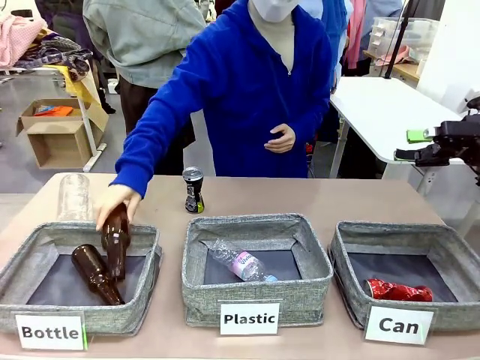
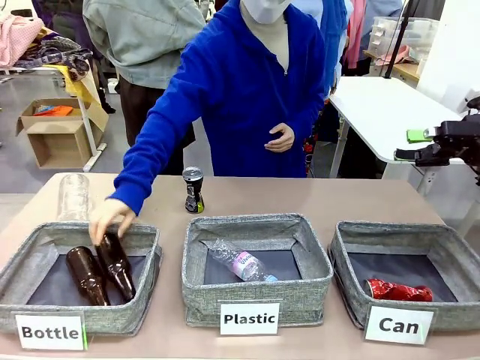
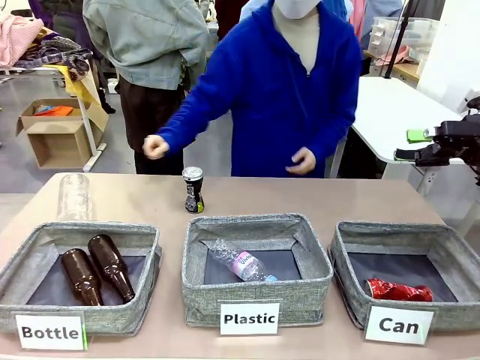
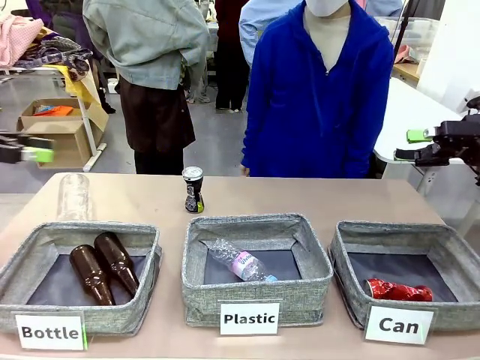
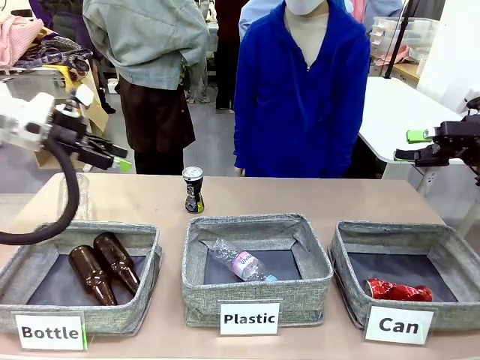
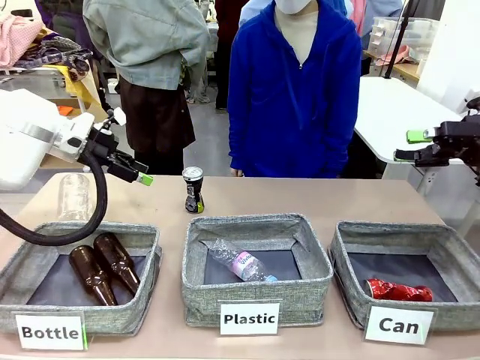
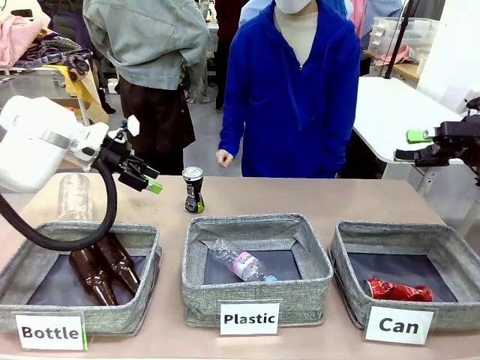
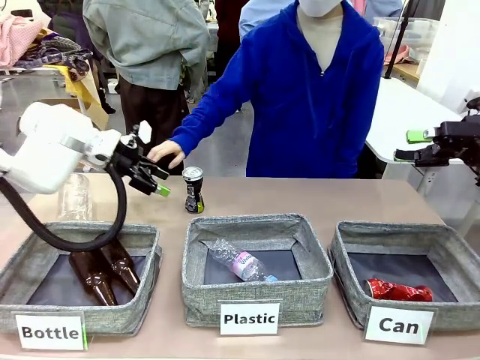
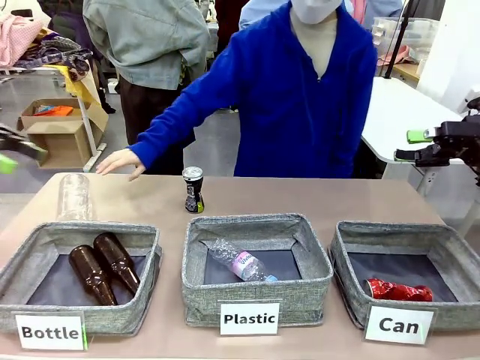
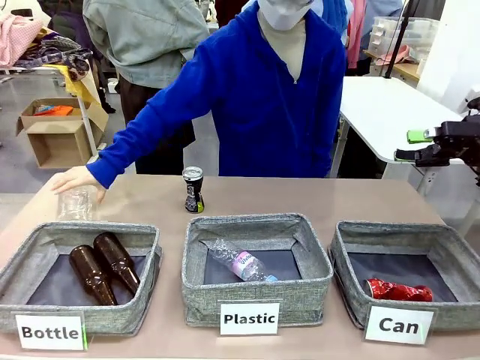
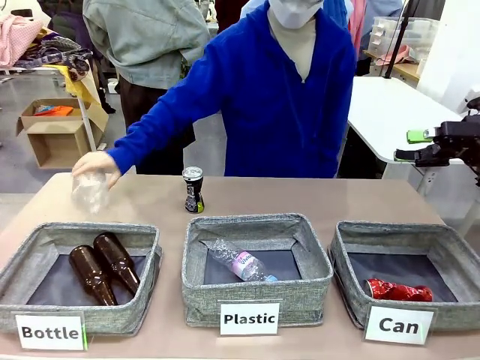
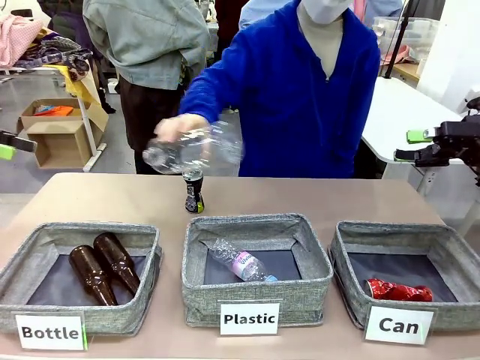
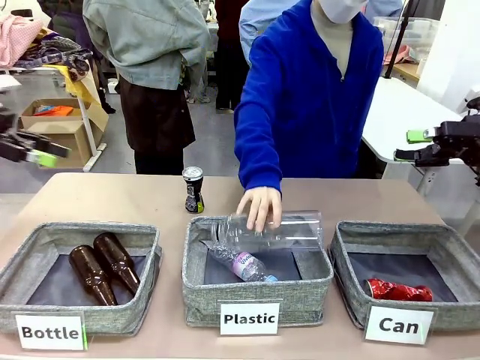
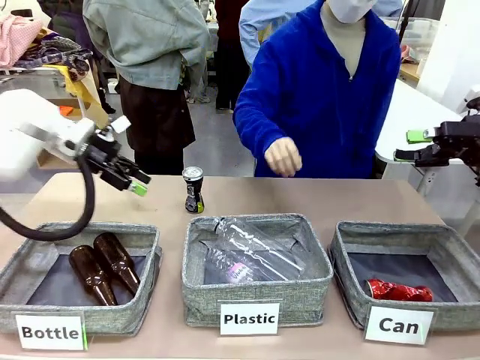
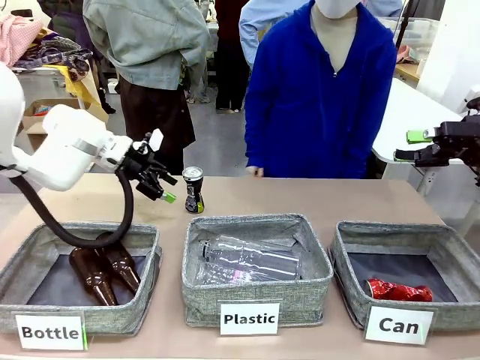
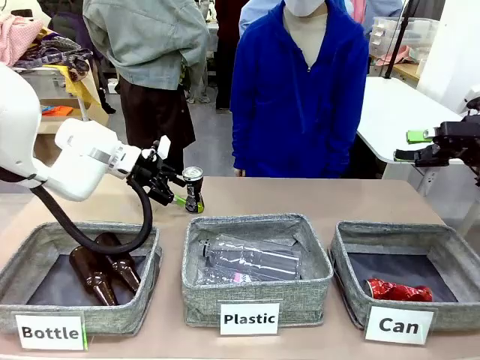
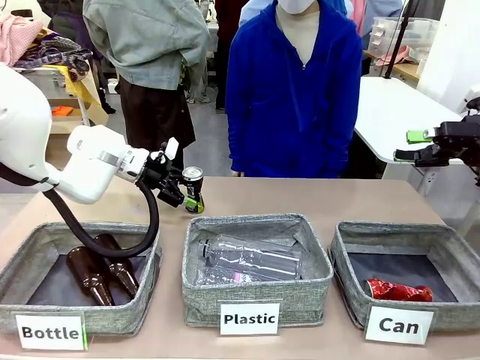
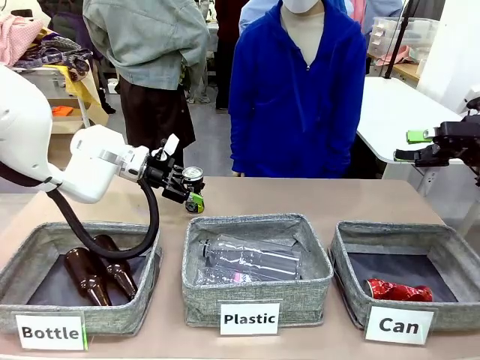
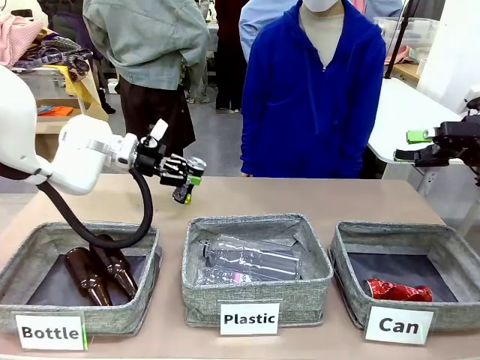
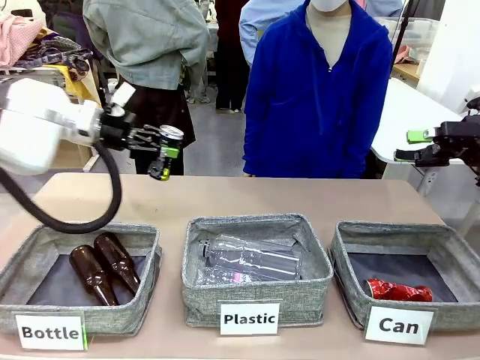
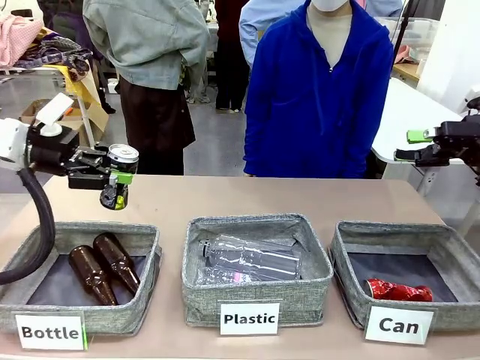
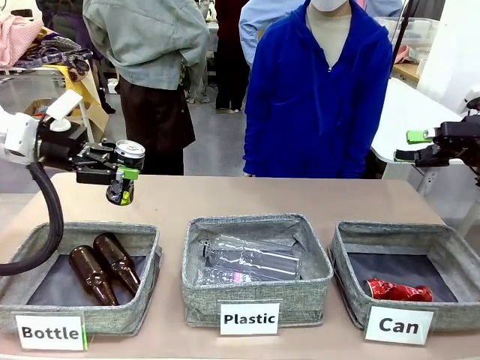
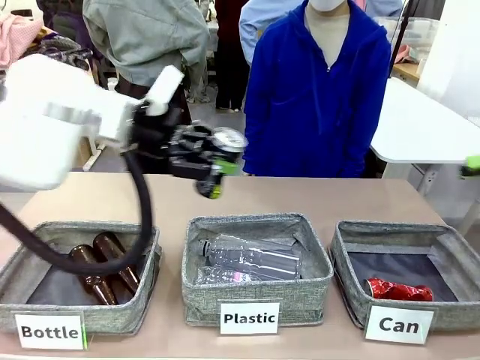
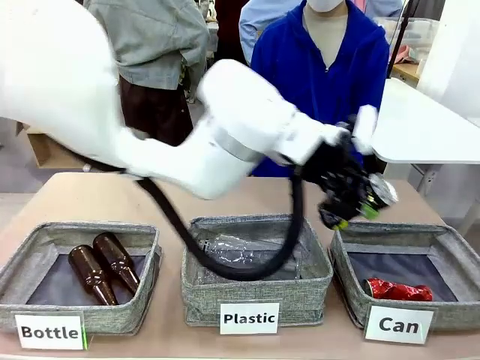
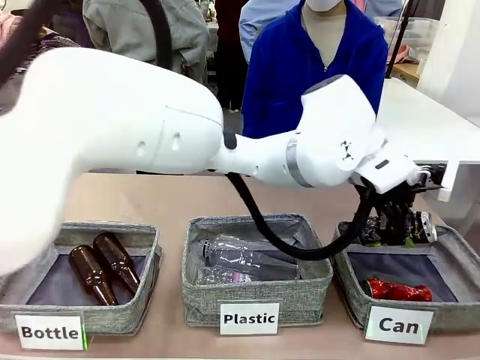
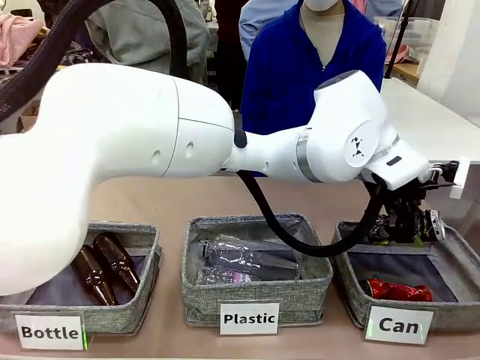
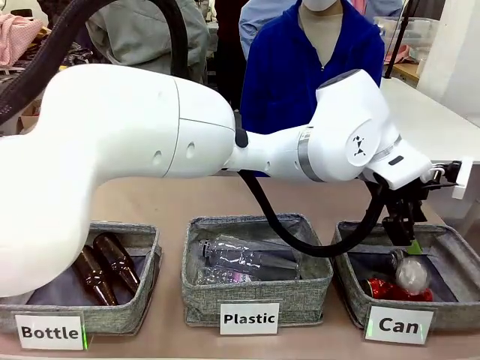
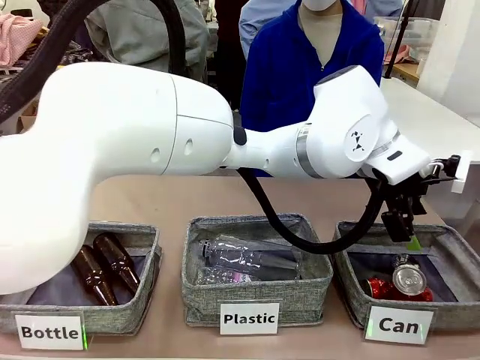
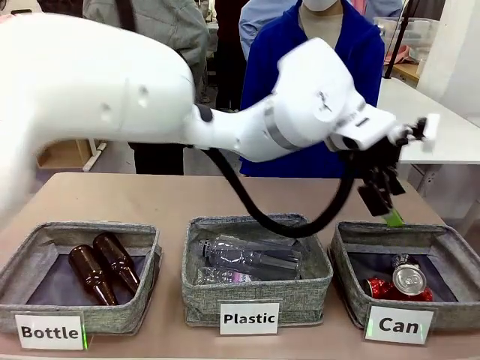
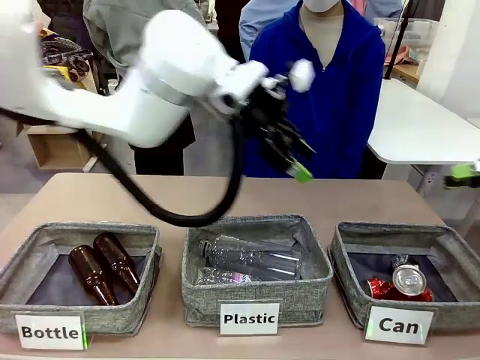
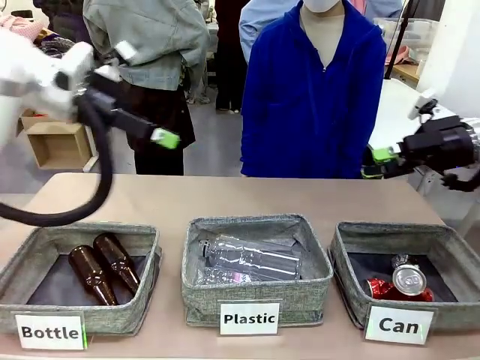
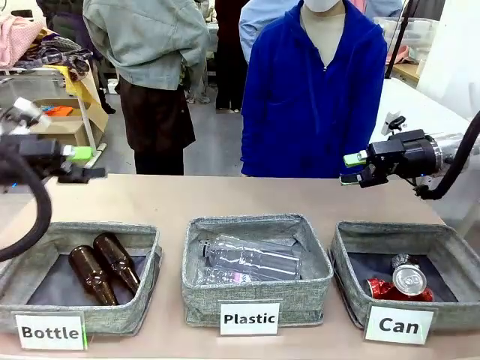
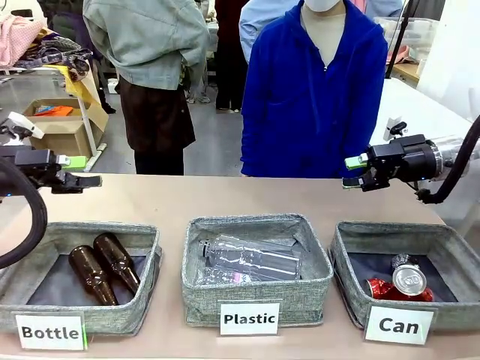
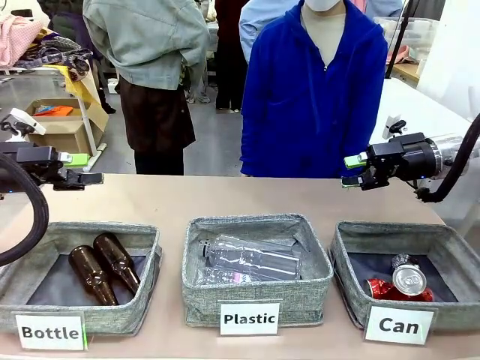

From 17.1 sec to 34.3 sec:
Task: Sort the can waste into the basket.
Robot: Pick up the can waste from the table and place it in the right Fabric basket.
Person: The human picks up one piece of trash that is not a can and places the trash into the appropriate organizing basket.
